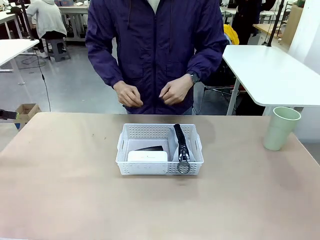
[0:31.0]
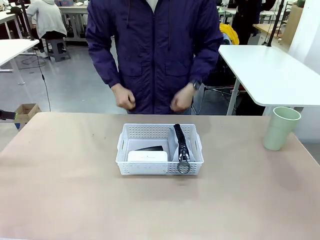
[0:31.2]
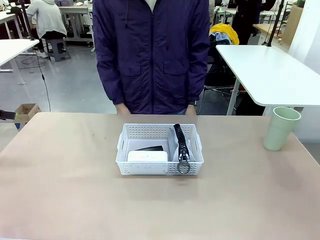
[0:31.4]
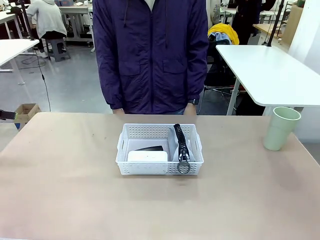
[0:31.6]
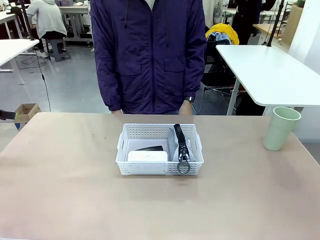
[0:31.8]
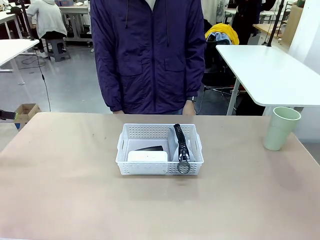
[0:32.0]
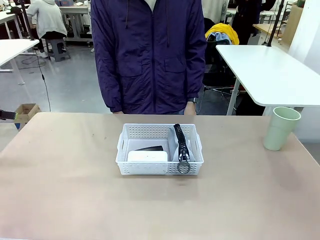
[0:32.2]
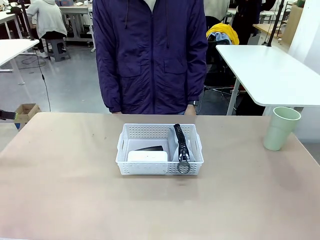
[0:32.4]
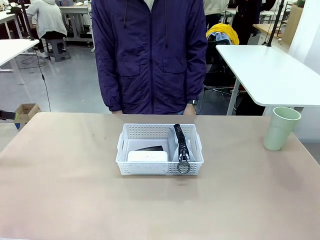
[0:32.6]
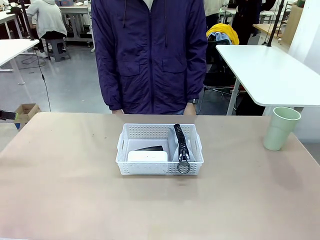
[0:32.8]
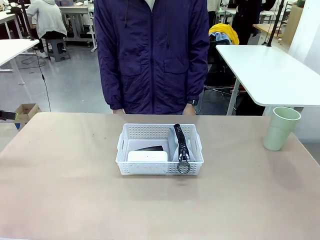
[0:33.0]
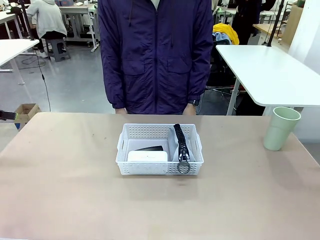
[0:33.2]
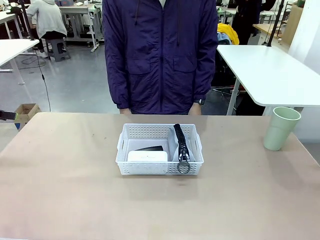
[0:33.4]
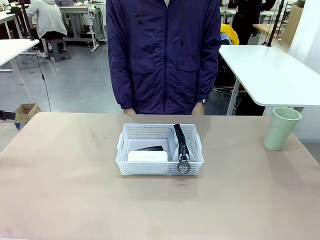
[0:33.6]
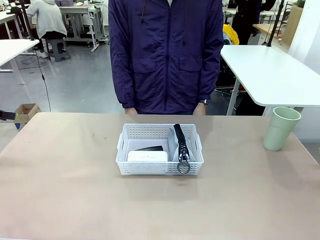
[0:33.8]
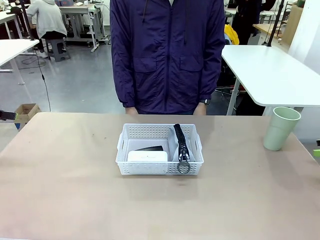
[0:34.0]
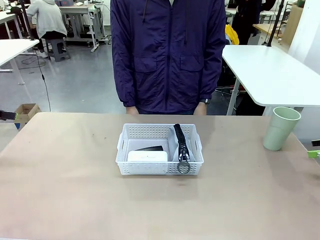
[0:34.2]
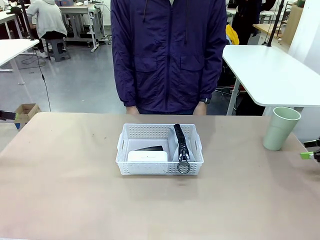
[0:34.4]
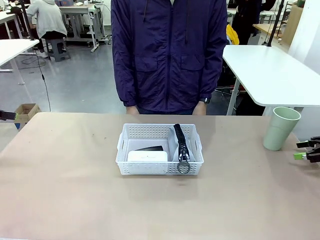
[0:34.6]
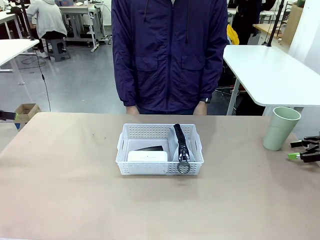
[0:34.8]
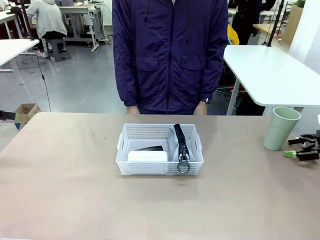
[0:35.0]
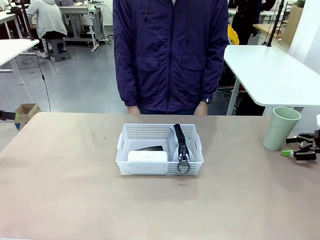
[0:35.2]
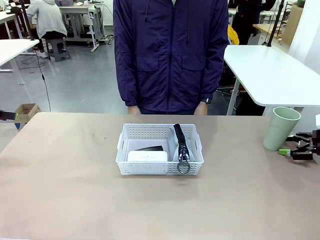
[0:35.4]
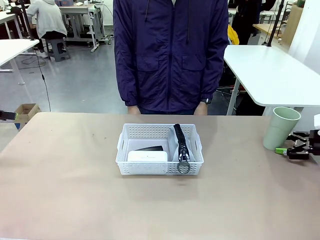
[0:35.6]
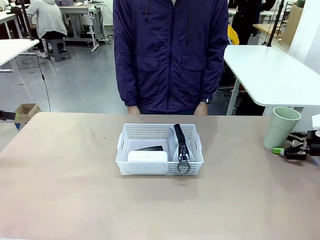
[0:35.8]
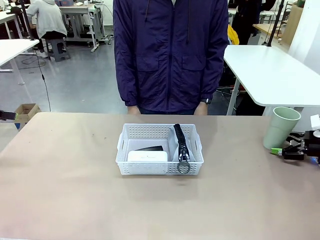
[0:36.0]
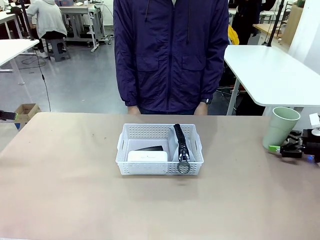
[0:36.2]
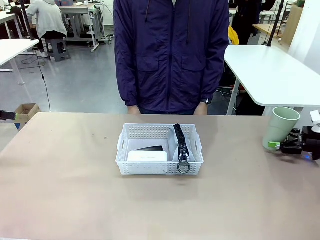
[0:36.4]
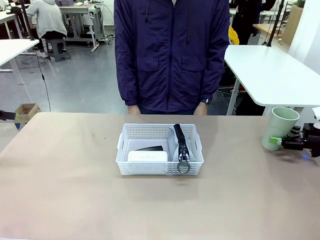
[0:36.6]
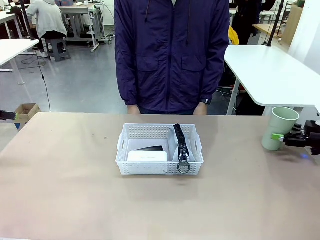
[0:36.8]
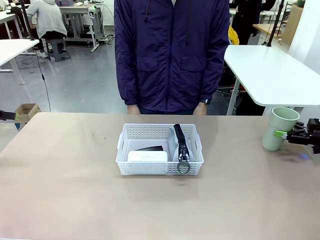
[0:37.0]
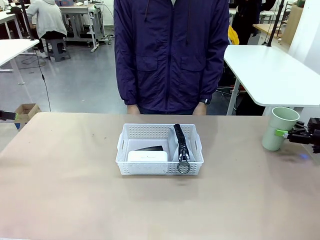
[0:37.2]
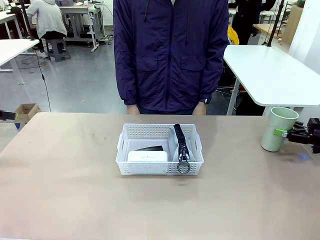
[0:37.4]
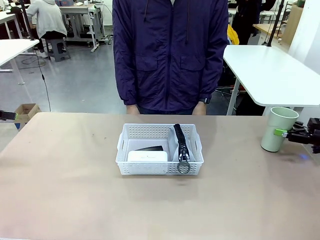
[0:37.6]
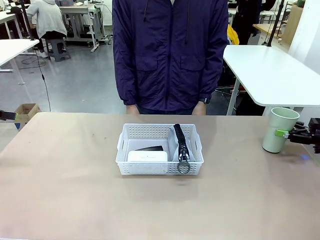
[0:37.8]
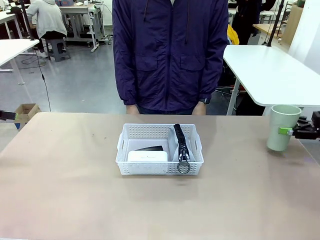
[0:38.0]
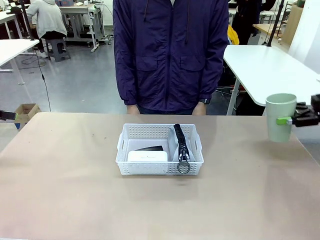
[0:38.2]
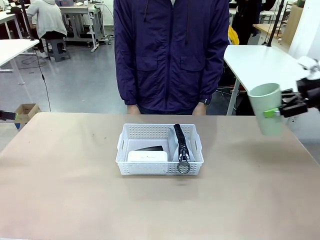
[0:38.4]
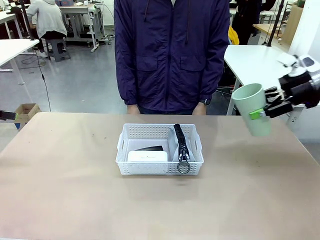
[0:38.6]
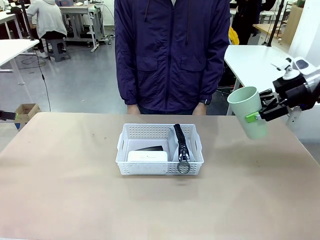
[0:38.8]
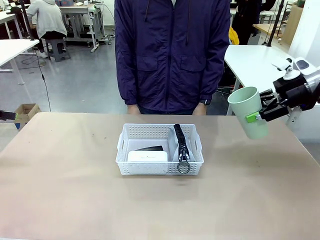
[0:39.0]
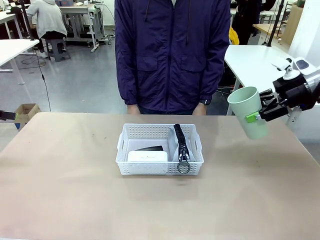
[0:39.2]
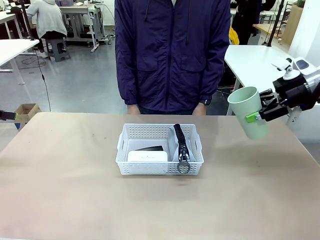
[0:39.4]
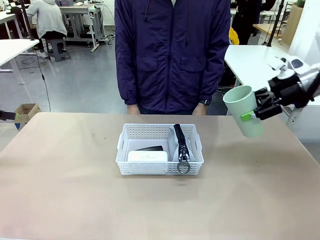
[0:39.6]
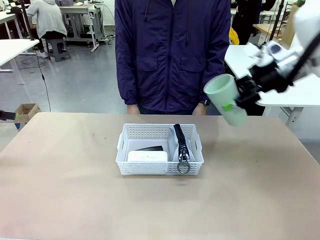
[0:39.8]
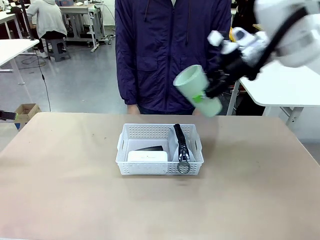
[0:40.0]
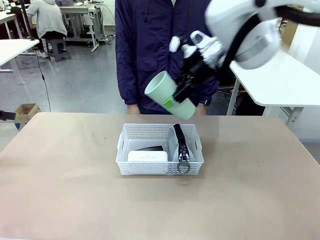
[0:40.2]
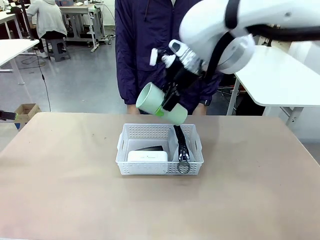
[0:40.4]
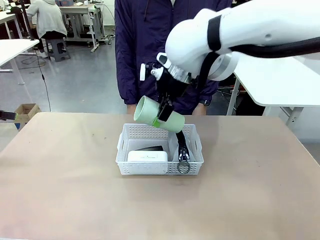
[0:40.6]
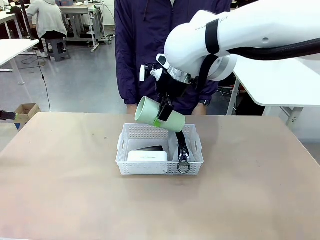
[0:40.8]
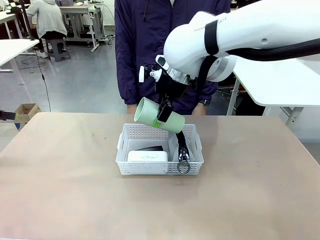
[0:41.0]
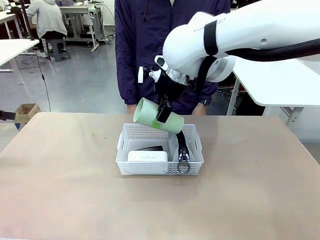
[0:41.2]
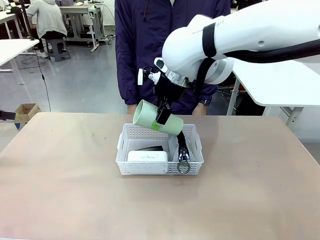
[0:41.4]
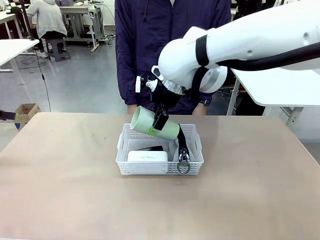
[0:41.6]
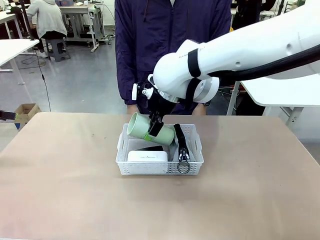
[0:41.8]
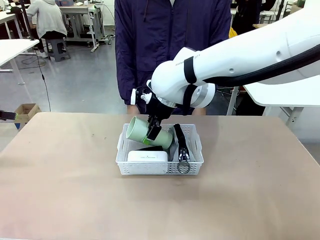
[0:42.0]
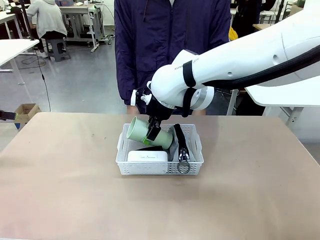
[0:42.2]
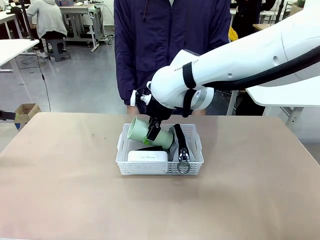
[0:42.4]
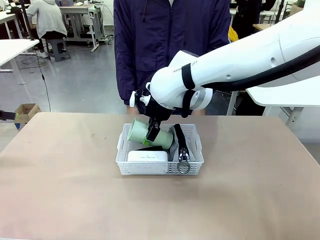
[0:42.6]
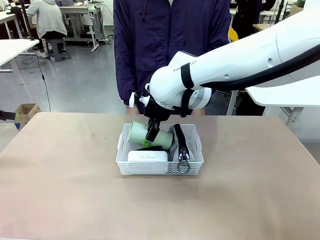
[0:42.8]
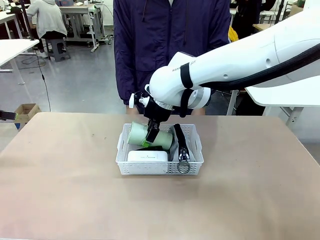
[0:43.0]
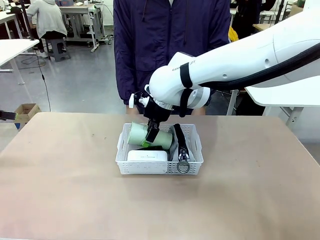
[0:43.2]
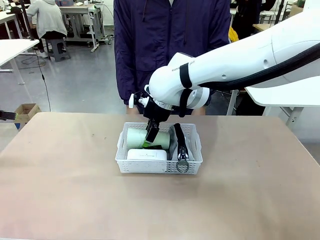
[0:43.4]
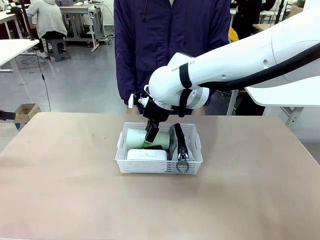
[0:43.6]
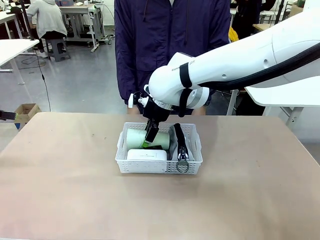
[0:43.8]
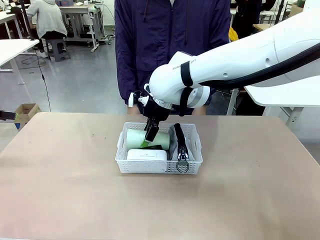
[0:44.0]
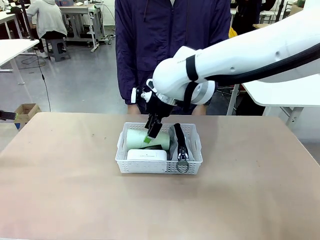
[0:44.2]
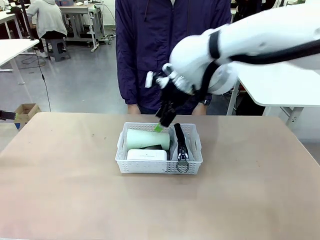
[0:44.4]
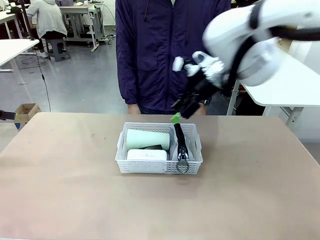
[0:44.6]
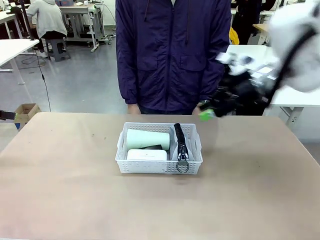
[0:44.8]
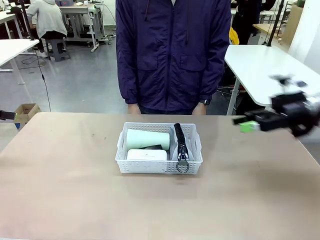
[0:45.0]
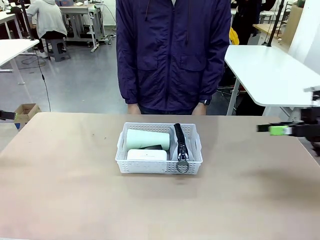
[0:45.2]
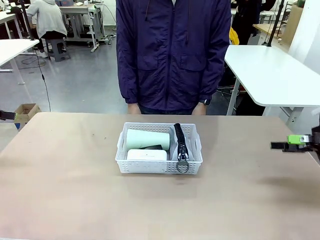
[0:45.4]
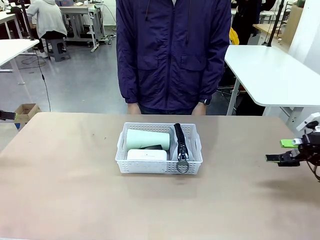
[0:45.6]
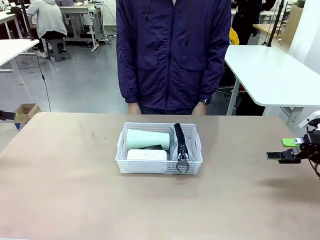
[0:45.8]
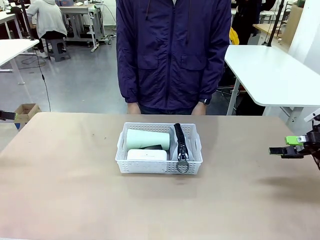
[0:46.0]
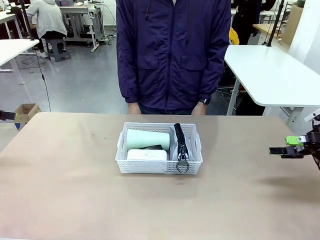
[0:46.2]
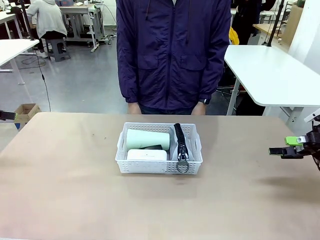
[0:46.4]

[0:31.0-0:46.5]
Task: Efficiently arrange items inside the basket to fit them all.
Robot: Pick up the Reusable plastic cup and place it inside the Organizing basket.
Person: Repositions the stapler.

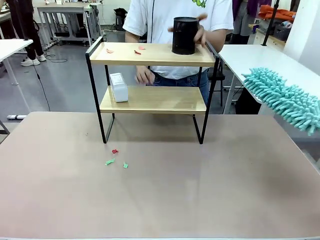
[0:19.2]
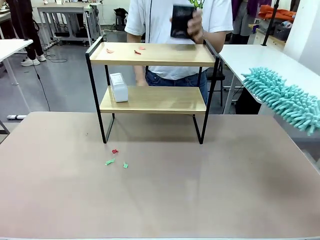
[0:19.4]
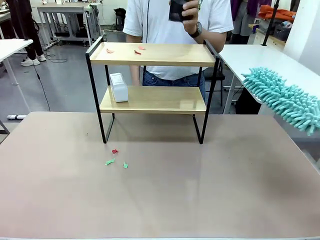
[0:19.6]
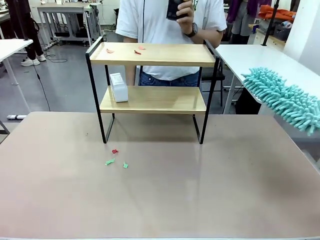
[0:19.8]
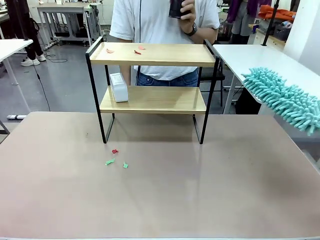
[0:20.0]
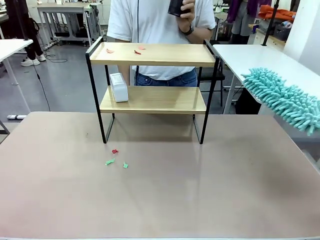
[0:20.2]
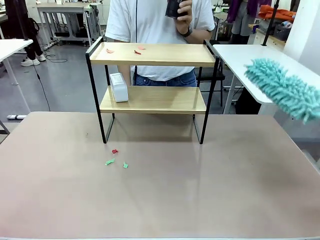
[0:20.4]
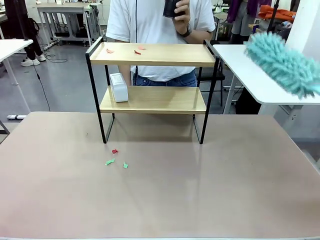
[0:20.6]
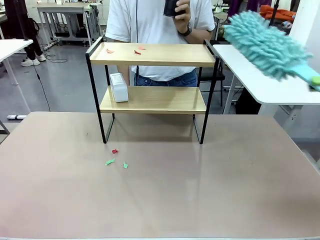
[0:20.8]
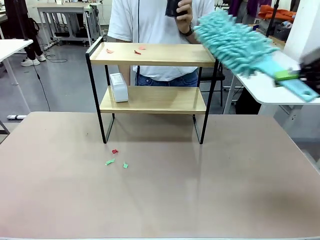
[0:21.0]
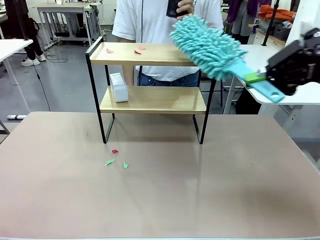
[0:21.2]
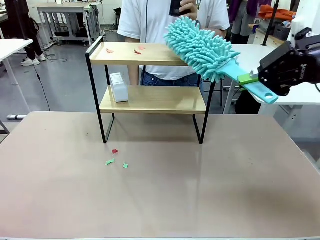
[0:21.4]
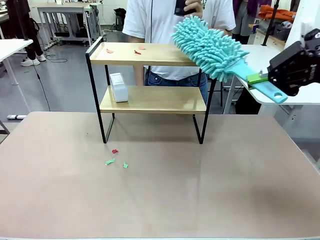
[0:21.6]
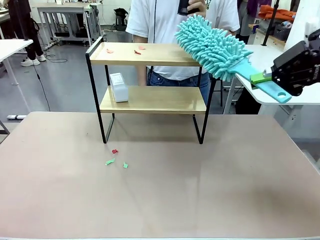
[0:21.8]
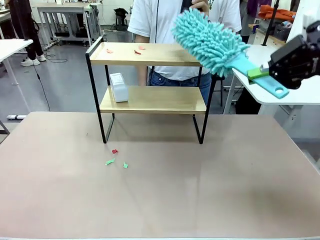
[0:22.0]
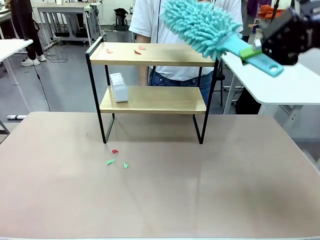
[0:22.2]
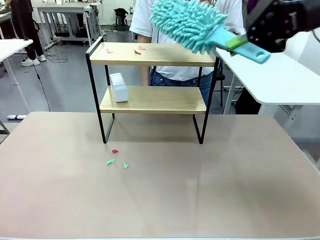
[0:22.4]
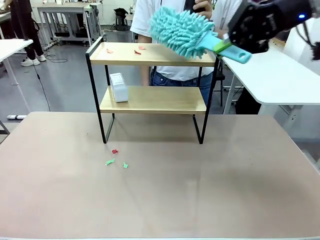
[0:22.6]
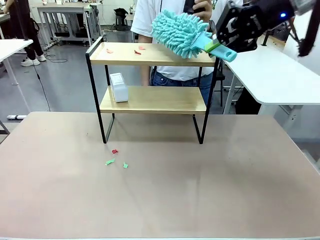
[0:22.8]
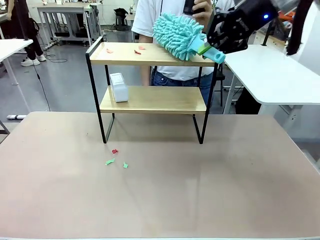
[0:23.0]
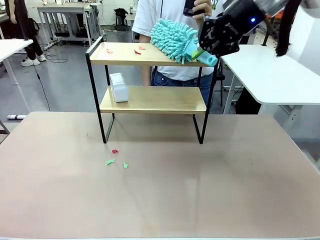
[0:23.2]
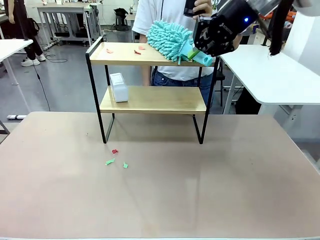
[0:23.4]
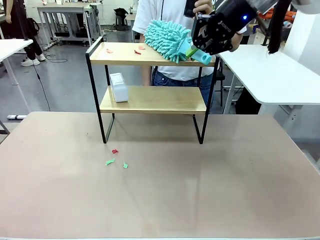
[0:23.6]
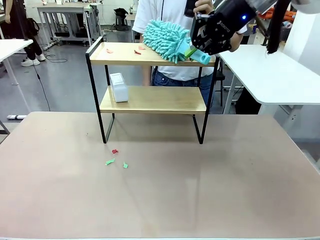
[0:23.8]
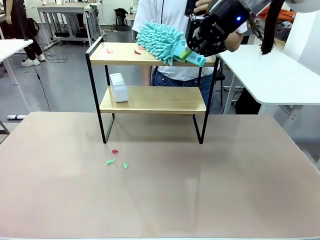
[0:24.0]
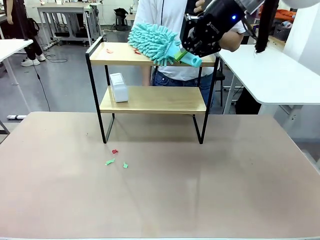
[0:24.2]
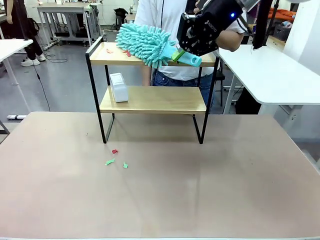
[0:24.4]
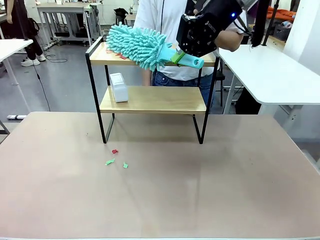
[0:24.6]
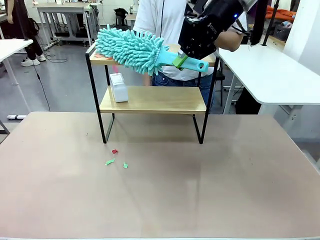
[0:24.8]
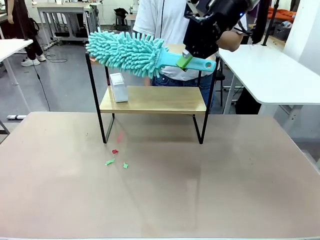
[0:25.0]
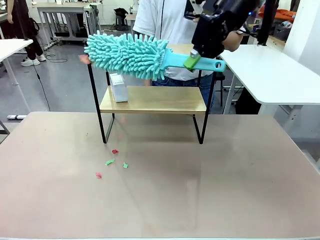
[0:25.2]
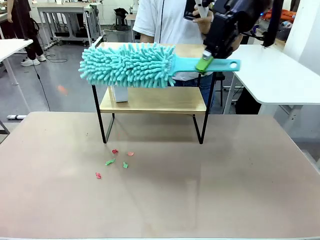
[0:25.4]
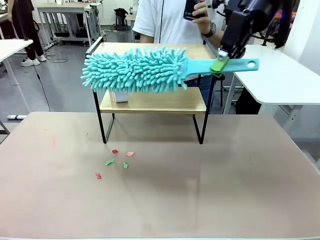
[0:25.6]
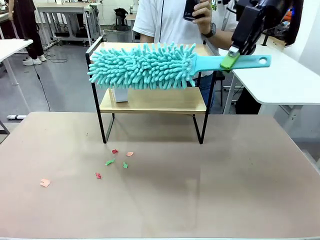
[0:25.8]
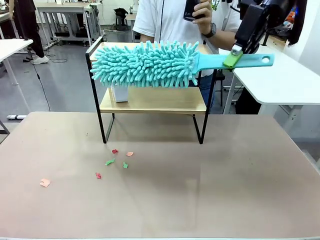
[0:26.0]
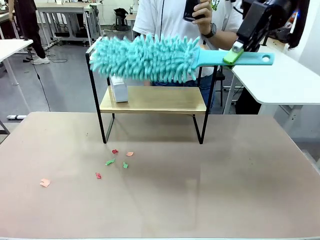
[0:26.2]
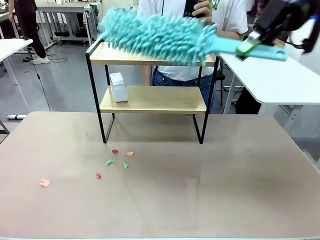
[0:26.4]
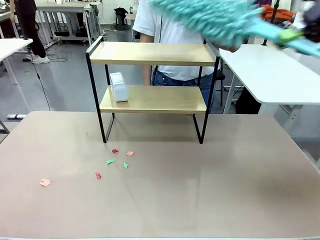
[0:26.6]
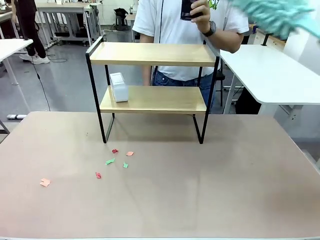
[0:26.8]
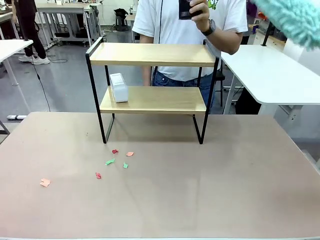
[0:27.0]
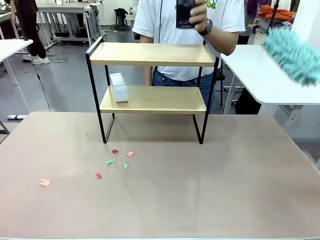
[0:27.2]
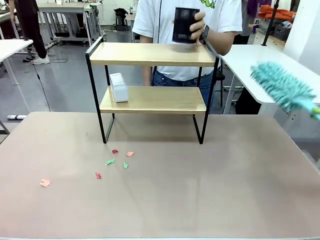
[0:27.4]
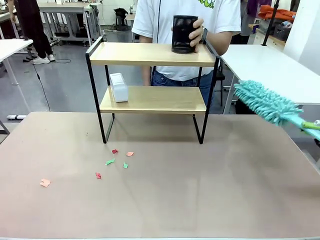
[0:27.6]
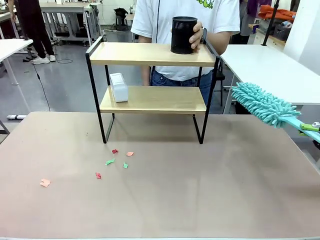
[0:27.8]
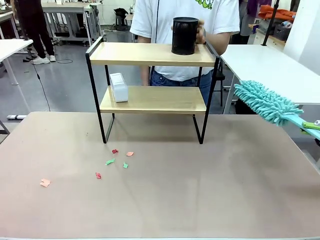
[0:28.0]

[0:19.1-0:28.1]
Task: Clean the shelf.
Robot: Clean the remaining tier of the Shelf with the Duster once objects are removed.
